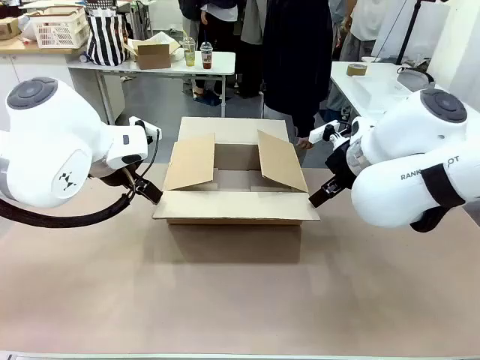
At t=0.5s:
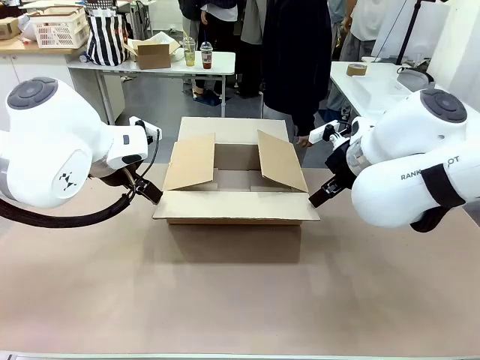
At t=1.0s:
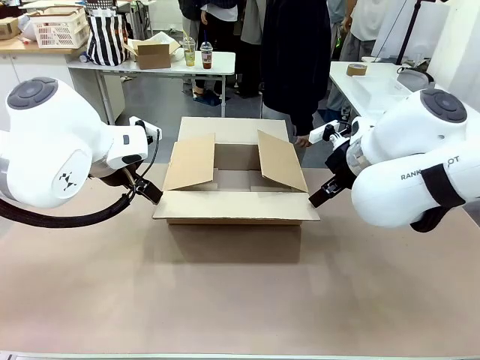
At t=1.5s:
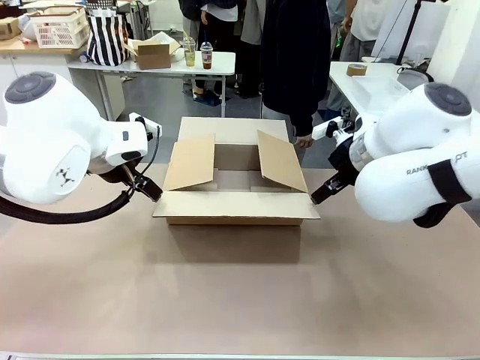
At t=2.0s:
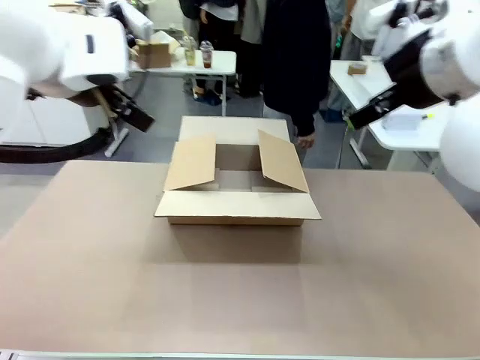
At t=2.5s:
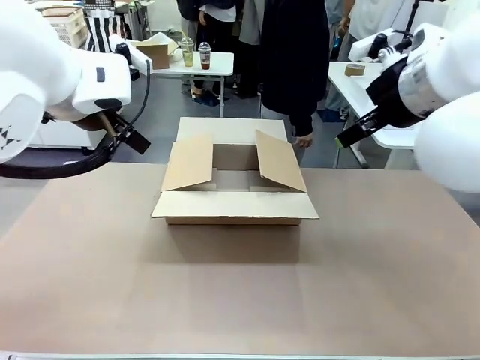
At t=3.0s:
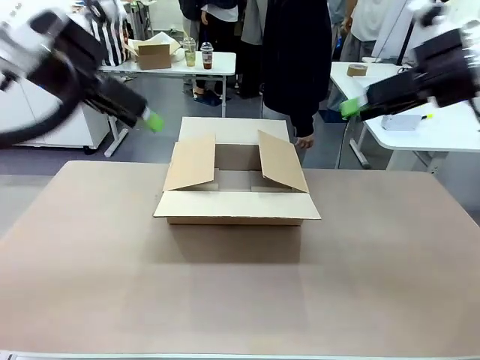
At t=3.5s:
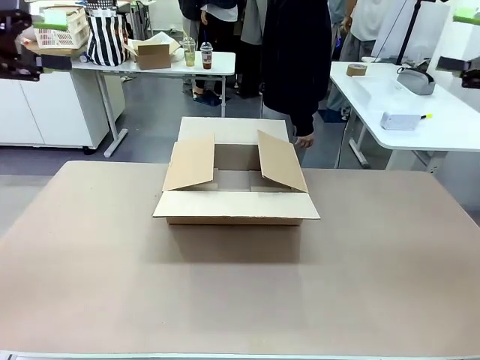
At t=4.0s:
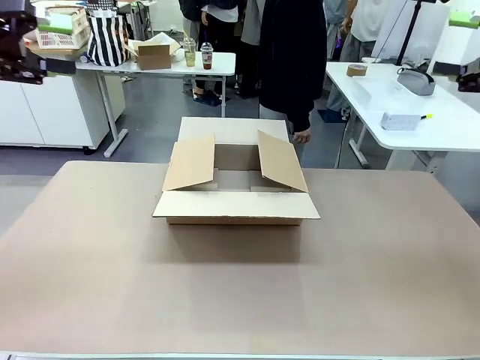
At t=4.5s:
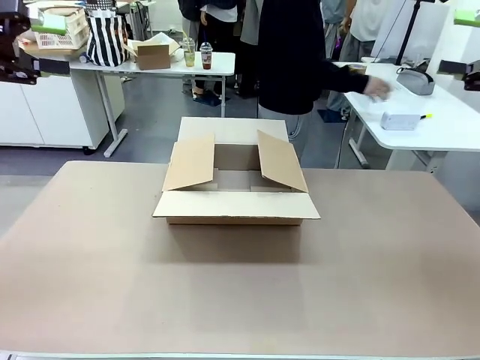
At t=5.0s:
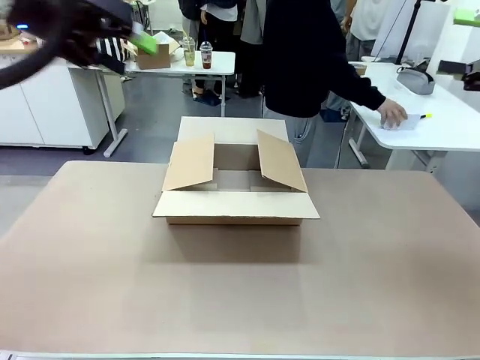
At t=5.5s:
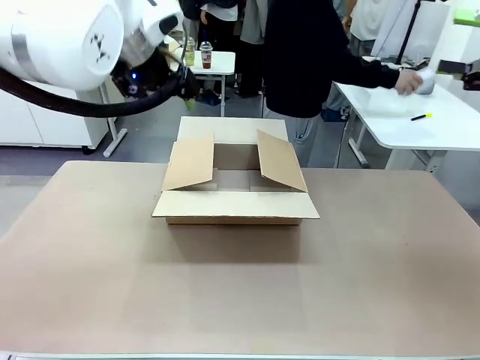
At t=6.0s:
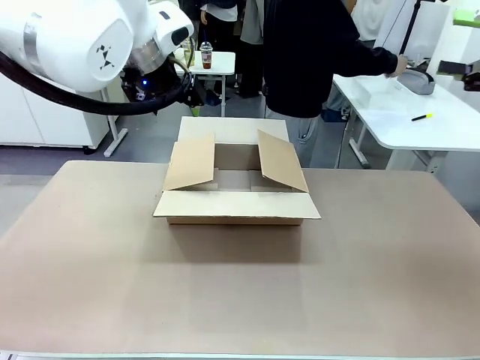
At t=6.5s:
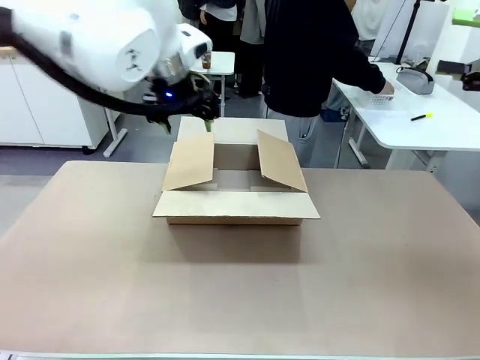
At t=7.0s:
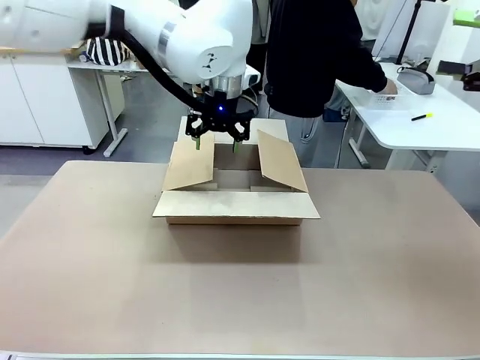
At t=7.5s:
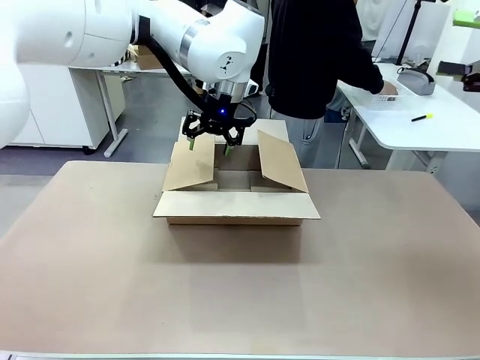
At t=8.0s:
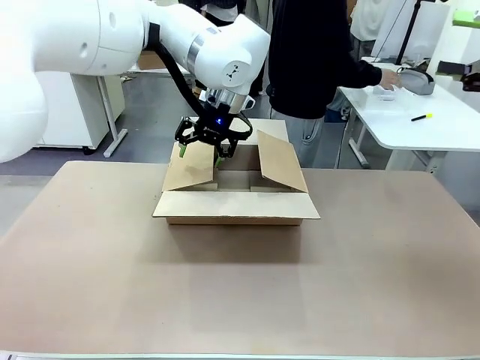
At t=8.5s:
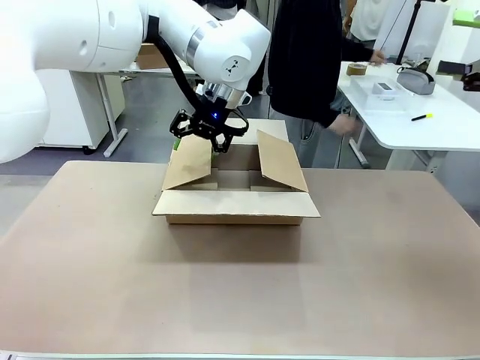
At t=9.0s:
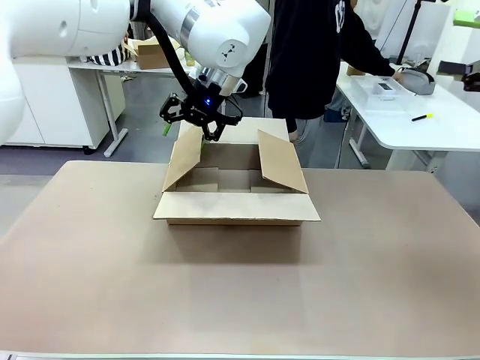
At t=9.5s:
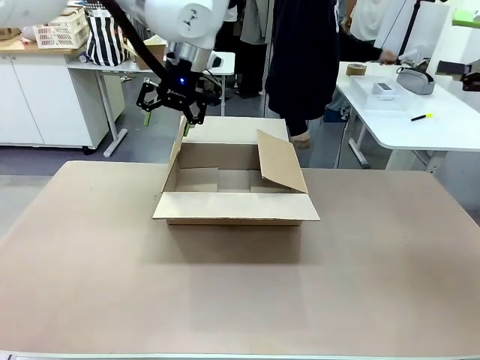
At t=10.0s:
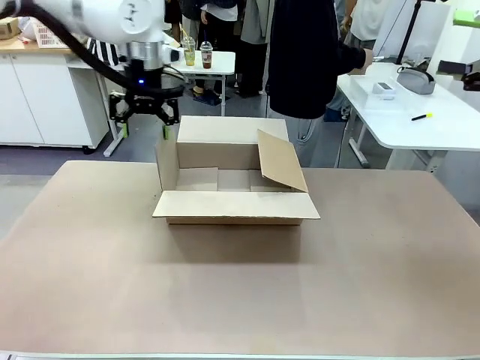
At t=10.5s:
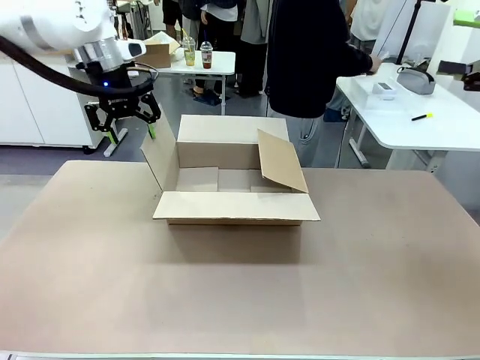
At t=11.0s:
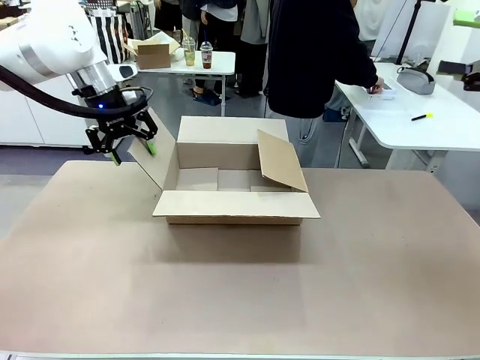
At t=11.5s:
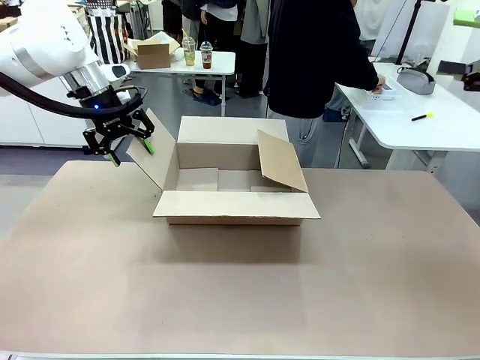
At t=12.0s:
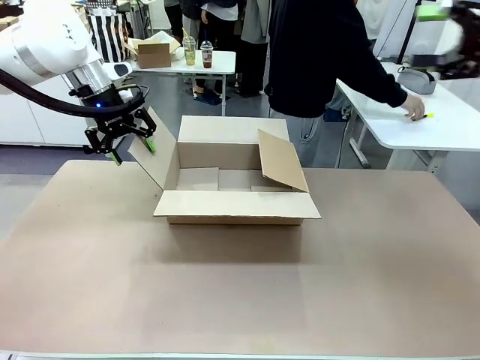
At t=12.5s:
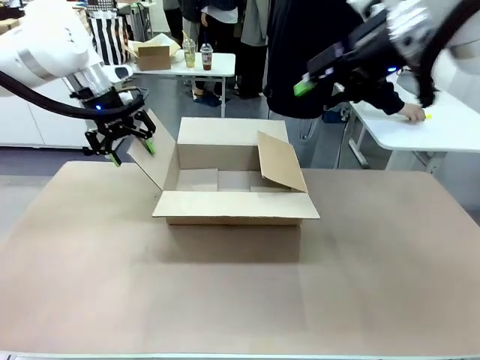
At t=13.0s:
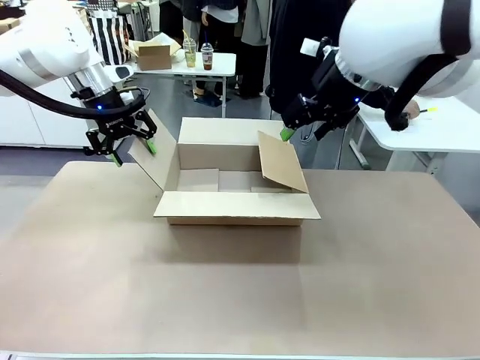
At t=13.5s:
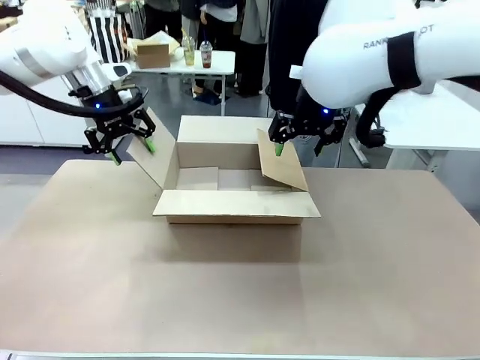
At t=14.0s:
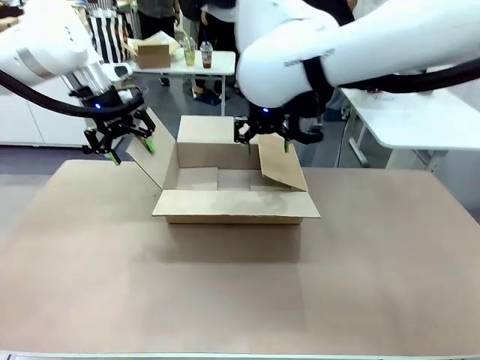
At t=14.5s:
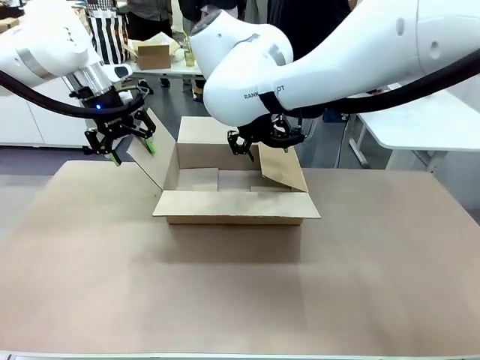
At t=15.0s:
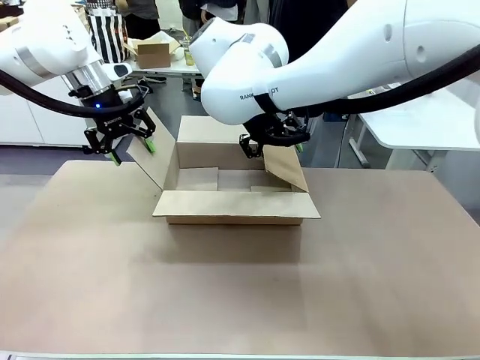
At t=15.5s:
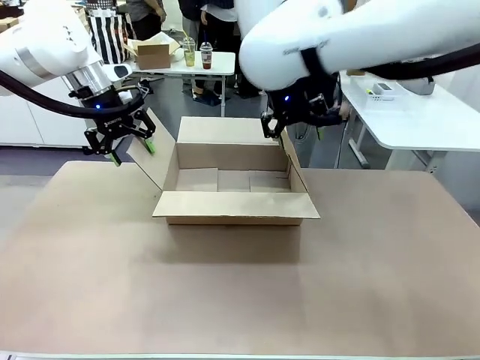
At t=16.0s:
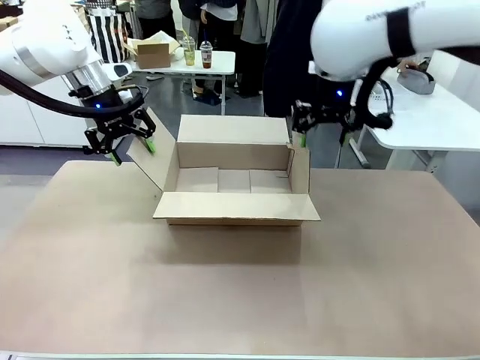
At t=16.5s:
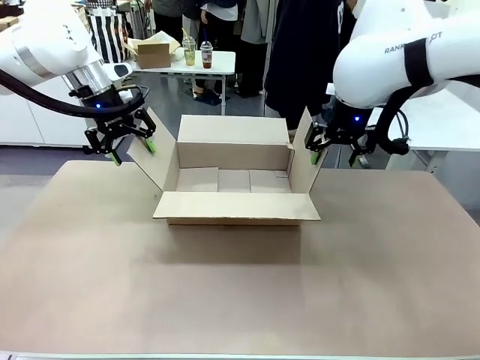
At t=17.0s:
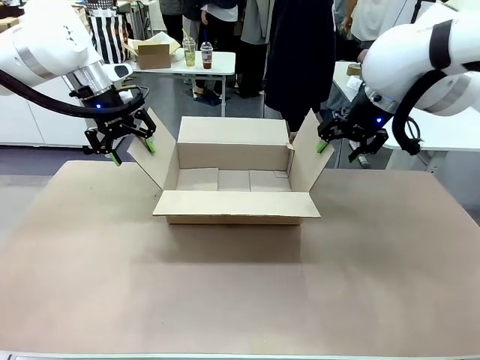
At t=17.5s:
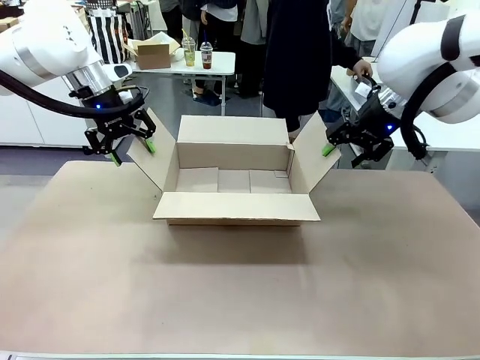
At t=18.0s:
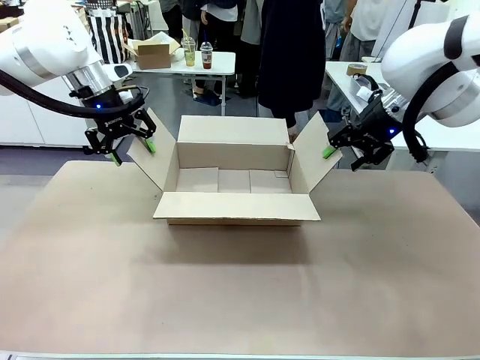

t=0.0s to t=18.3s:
Task: Pack the gift set into the box.
Robot: Place both hands on the side flaps of the Package Box and spread them outward.
Person: The human places all items except the paper tape into the organizing basket.

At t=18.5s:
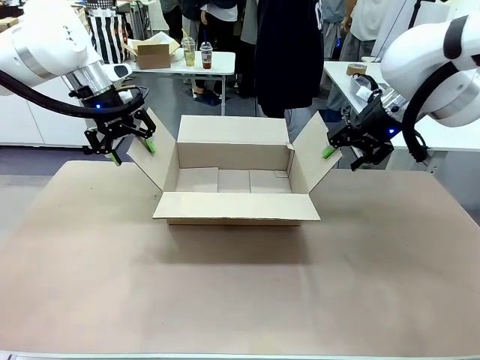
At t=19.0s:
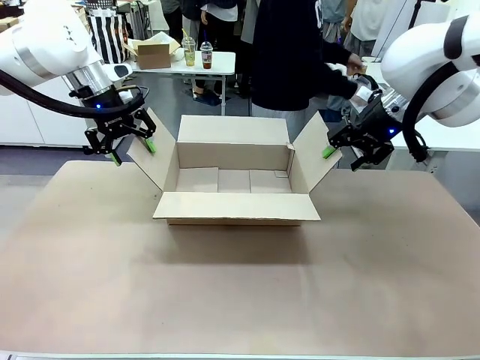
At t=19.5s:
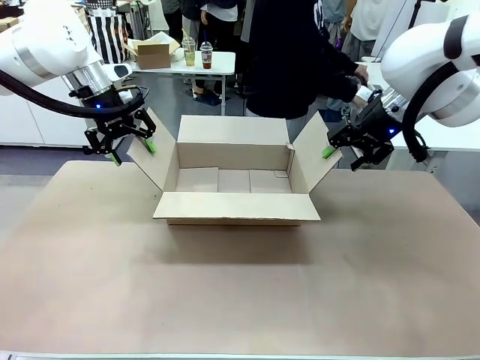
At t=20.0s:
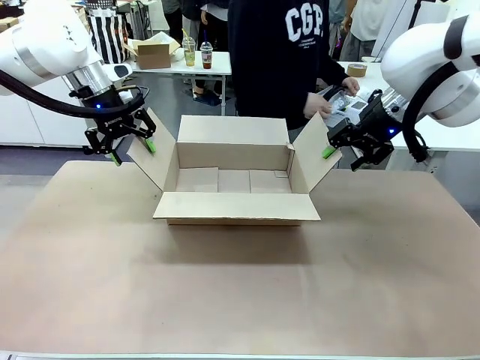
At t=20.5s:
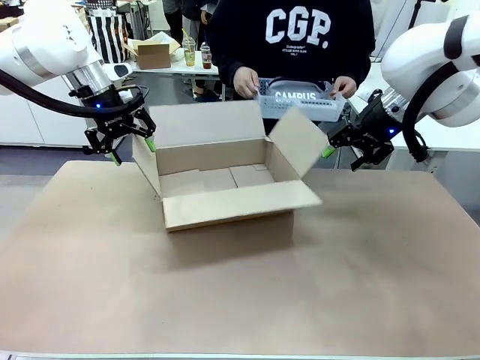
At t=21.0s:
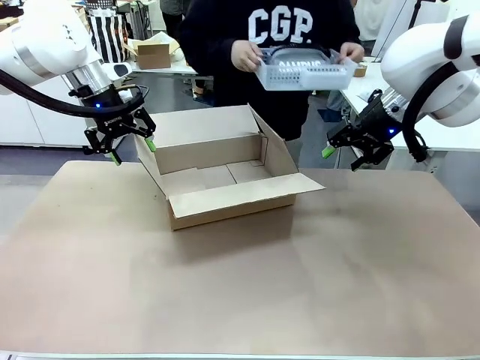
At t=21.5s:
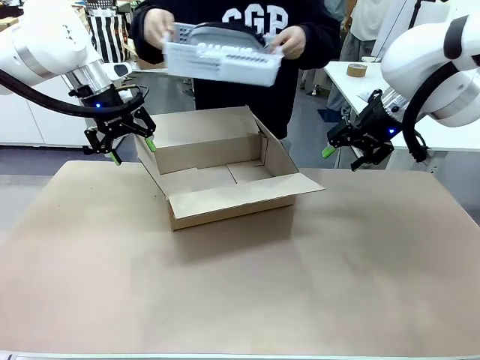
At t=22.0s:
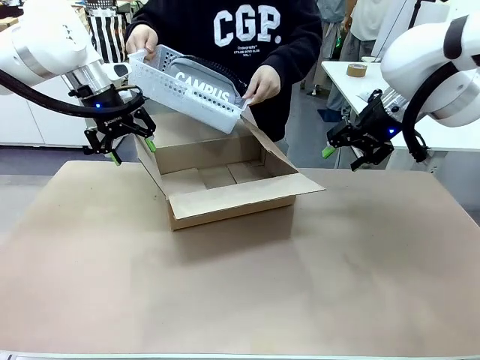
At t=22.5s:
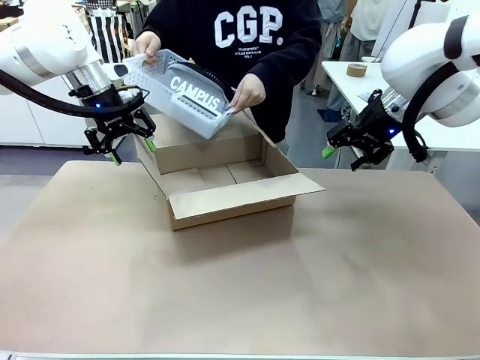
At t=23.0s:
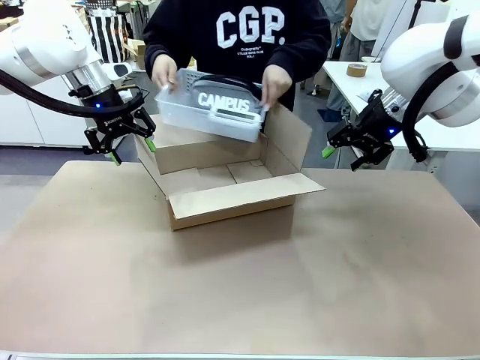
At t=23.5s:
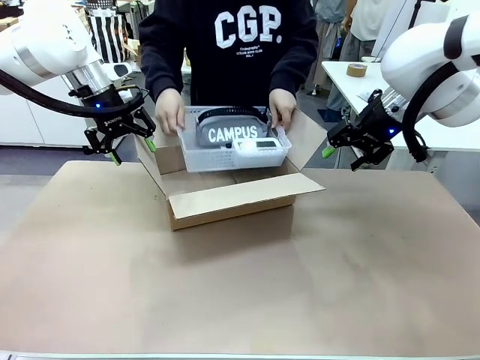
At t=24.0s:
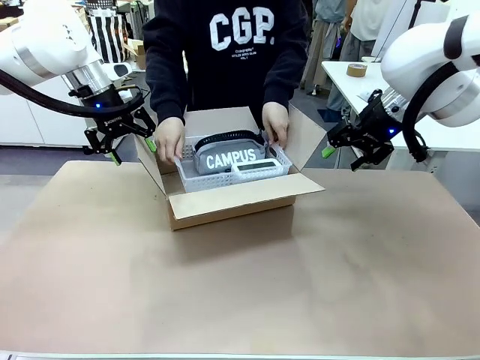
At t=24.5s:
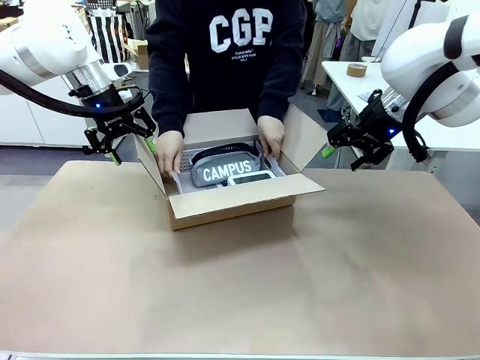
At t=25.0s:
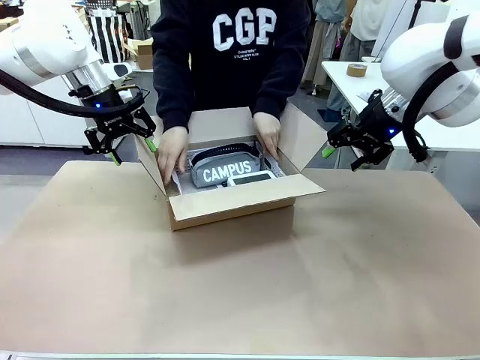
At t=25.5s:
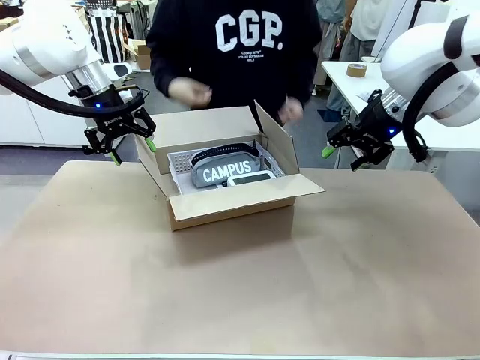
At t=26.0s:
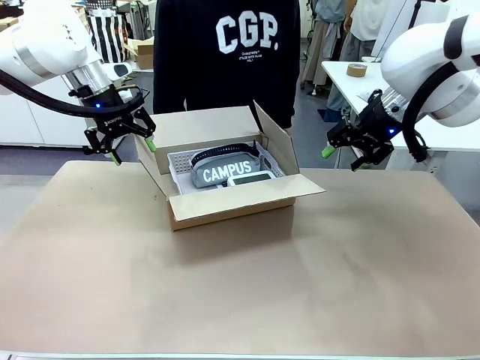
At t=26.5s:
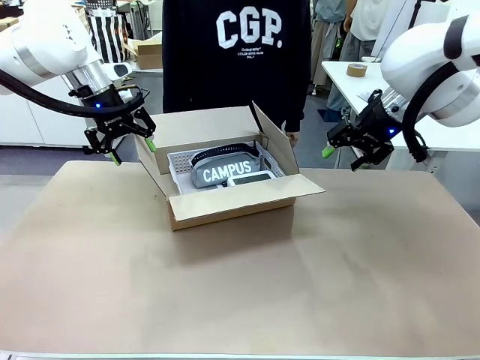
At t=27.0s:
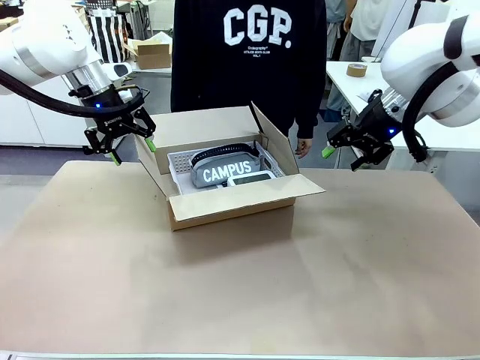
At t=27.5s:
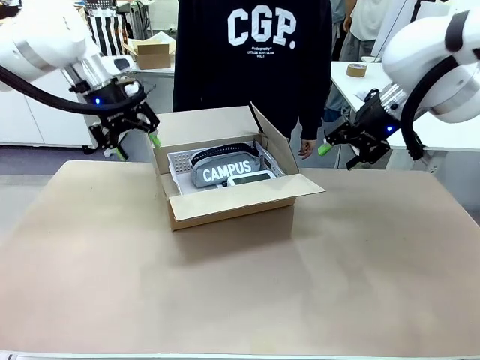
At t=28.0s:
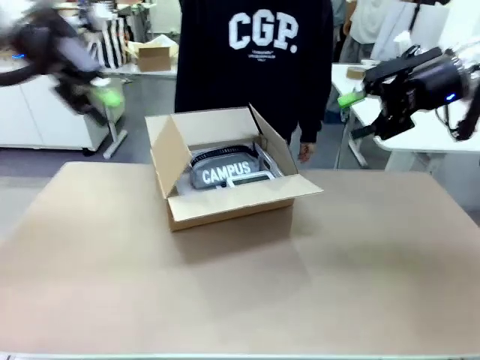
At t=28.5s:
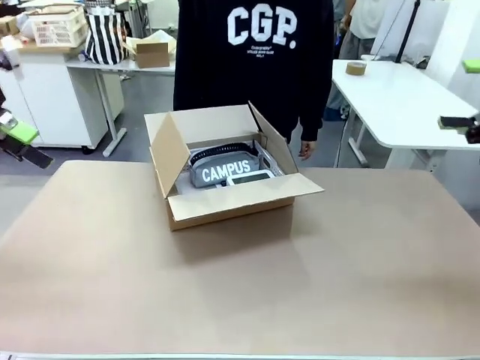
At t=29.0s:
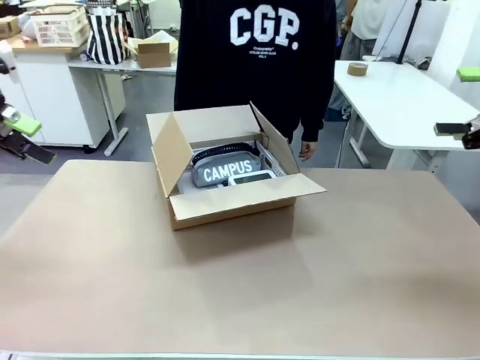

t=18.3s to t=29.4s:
Robot: Lift both hands away from the flaps of the Package Box.
Person: The human picks up the organizing basket and places the organizing basket into the package box on the robot table.
